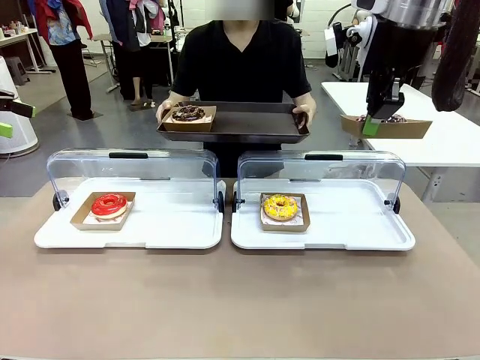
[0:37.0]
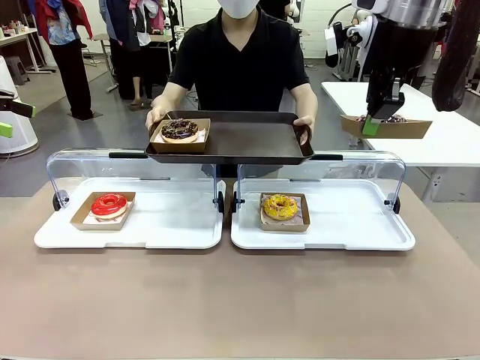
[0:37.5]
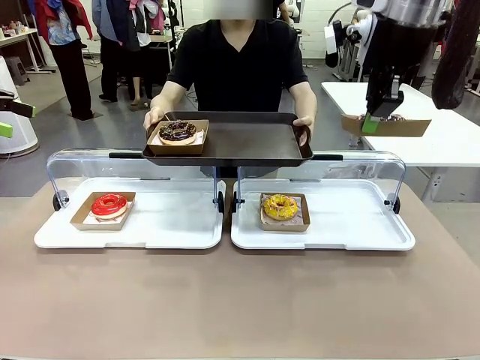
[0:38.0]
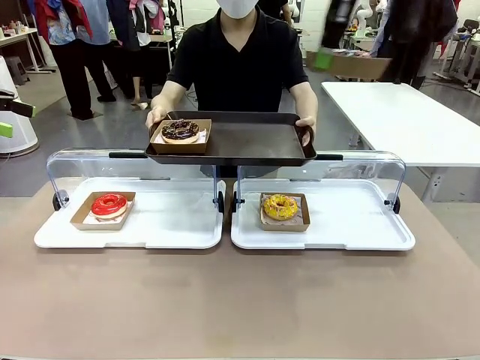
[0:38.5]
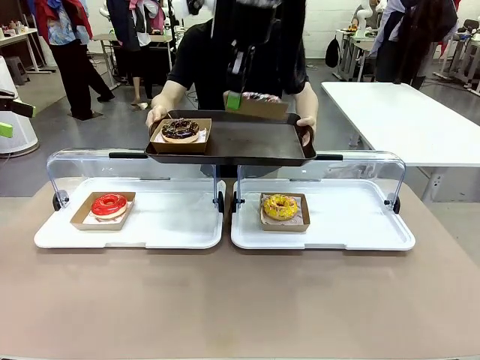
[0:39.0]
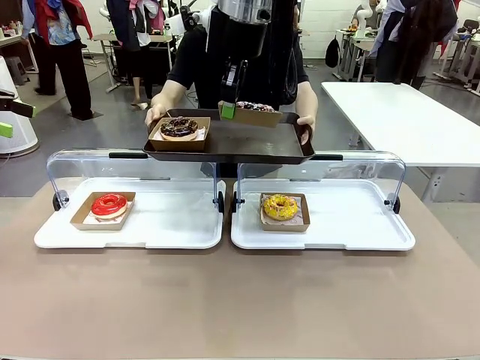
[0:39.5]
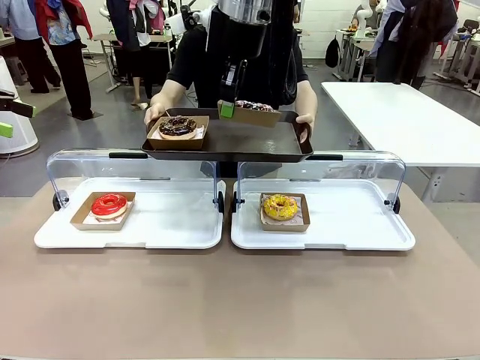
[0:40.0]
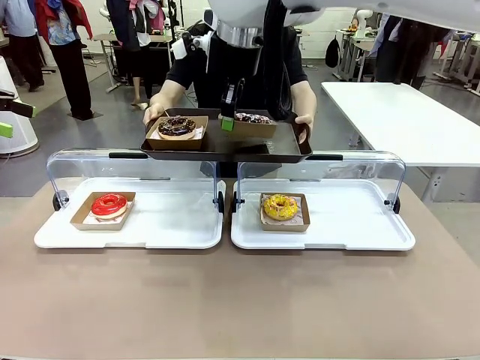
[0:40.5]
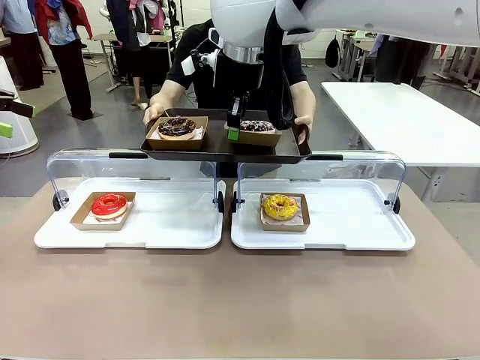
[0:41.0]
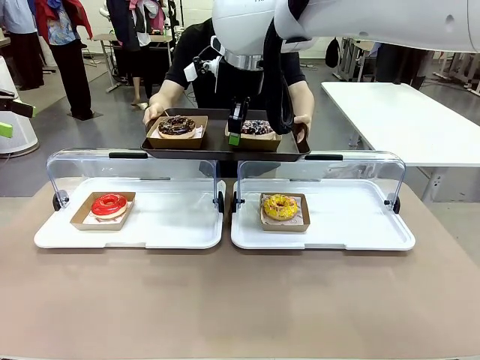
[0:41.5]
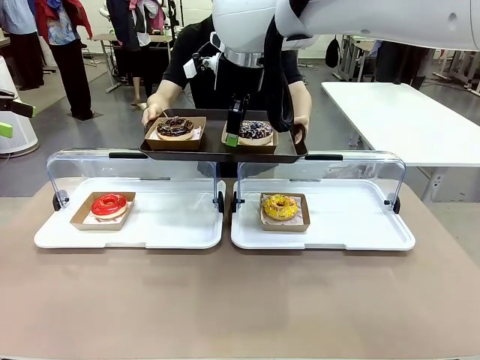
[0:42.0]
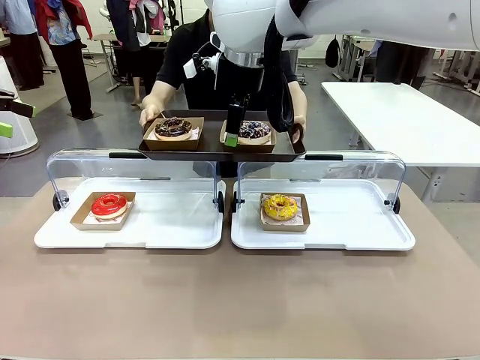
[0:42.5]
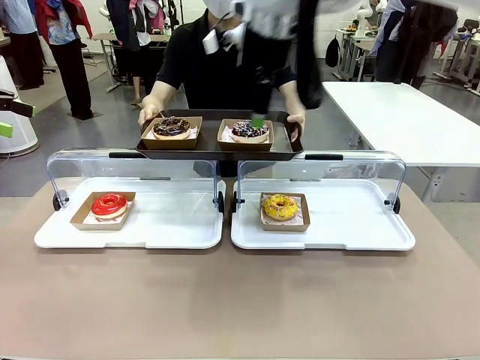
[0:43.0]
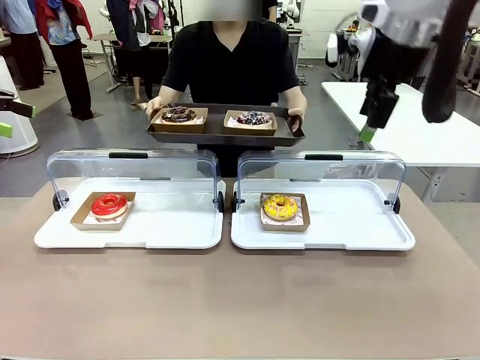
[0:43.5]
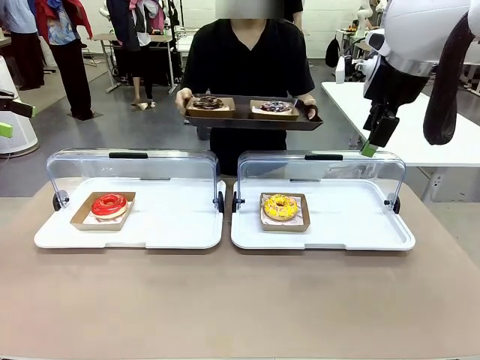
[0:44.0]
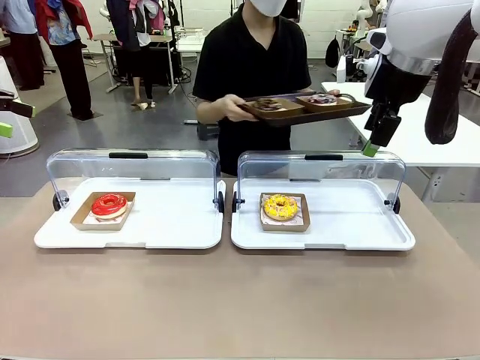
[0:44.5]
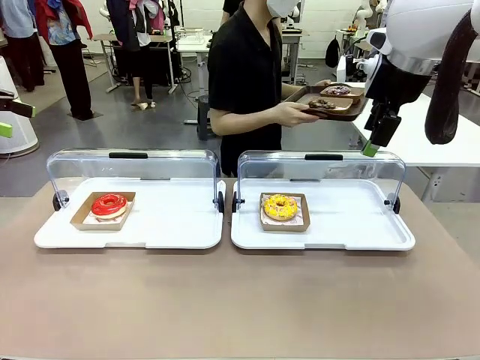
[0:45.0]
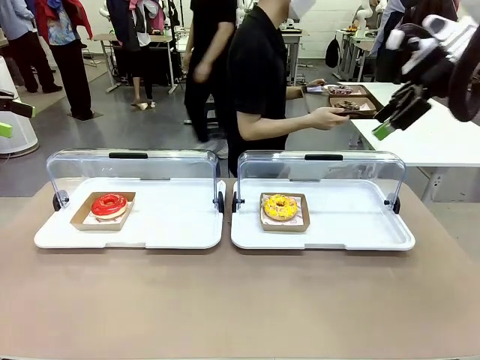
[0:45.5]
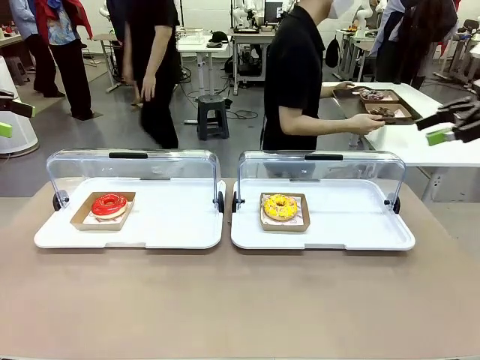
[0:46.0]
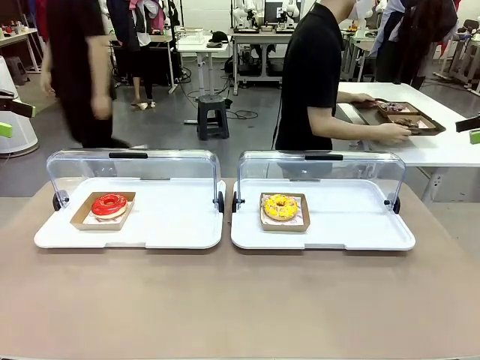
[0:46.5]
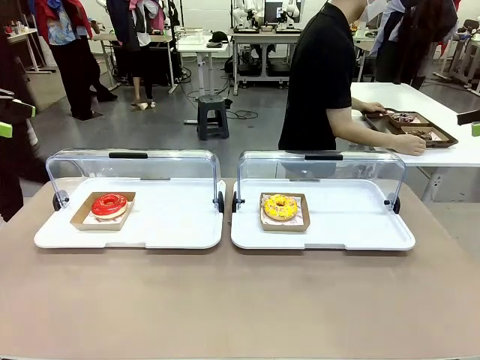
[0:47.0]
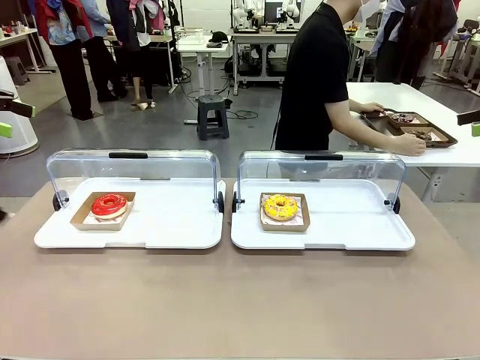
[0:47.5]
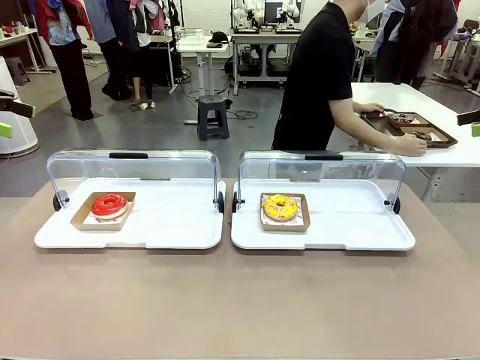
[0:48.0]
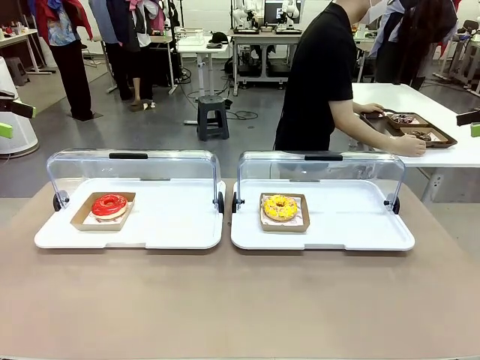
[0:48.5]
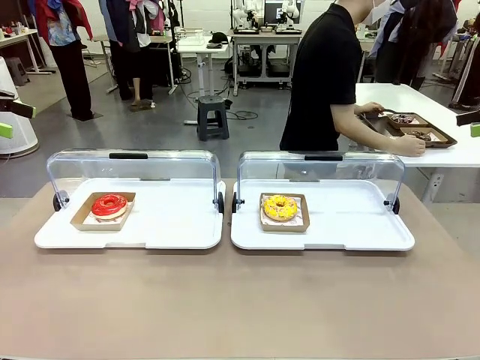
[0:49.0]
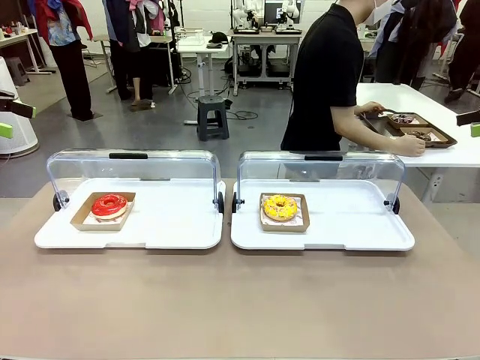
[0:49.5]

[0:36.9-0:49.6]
Task: Provide the desired donut to the person.
Robot: Place the picked Paper togo box onto the Handle tray extended by the person.
Person: Place the tray in the middle of the human table.
